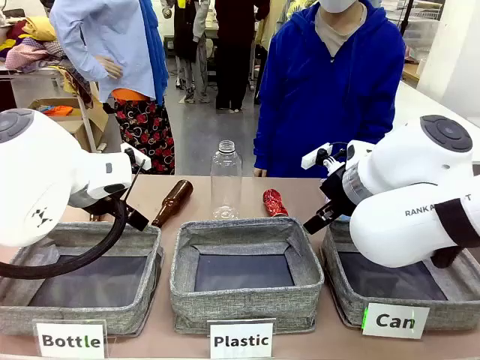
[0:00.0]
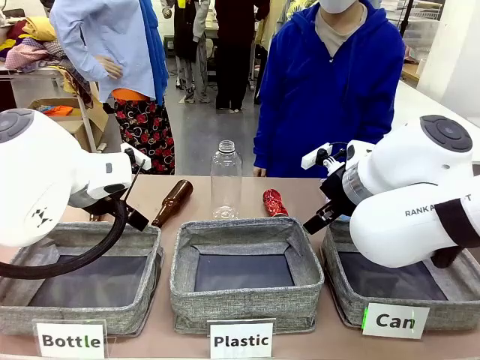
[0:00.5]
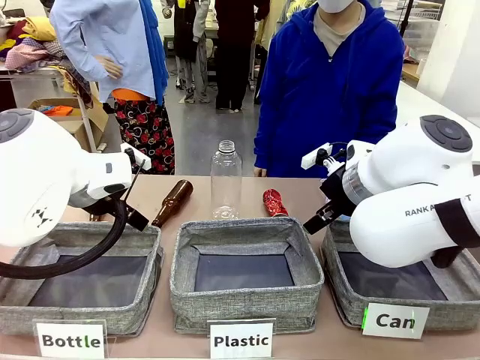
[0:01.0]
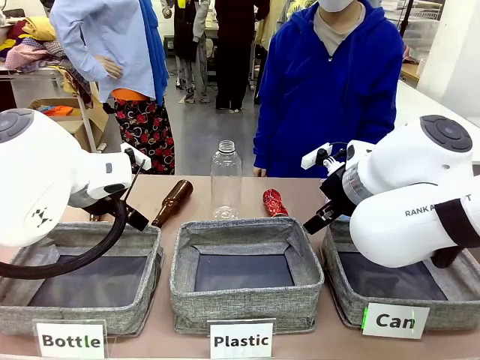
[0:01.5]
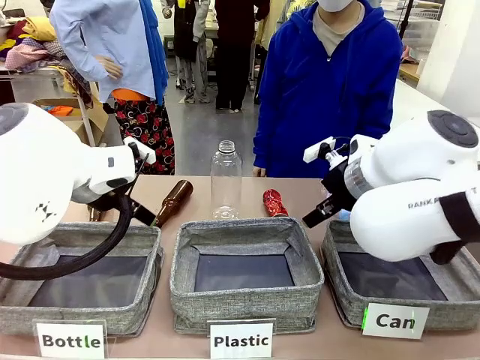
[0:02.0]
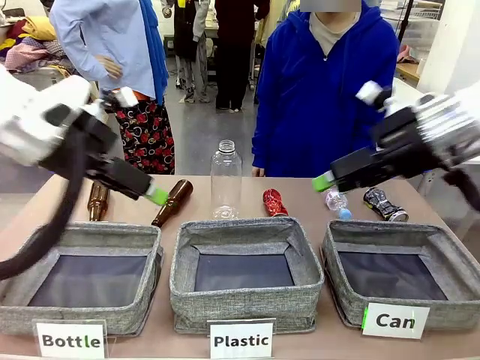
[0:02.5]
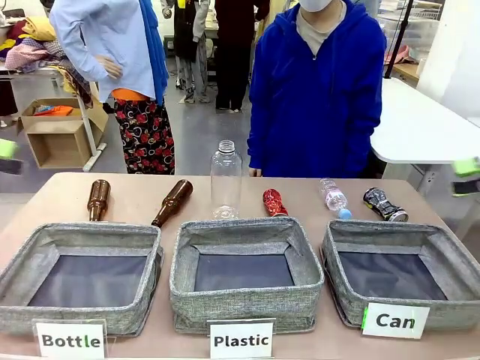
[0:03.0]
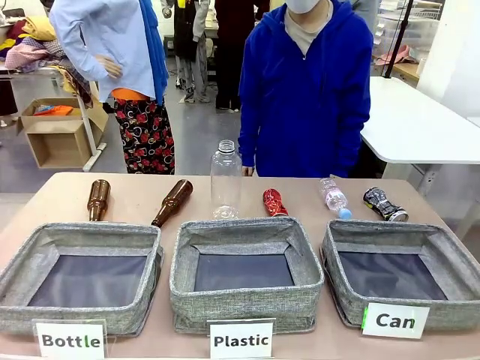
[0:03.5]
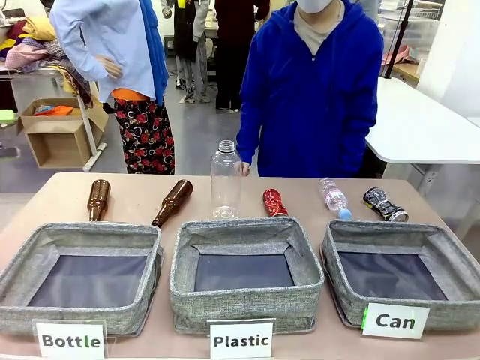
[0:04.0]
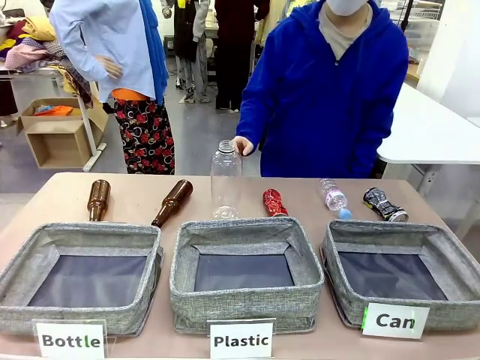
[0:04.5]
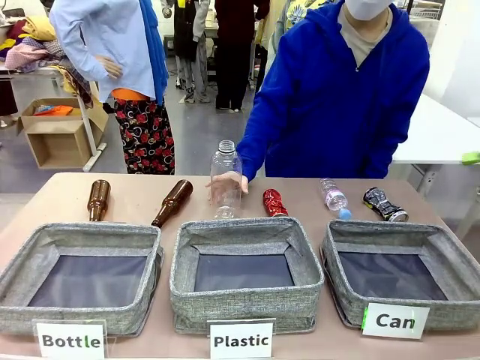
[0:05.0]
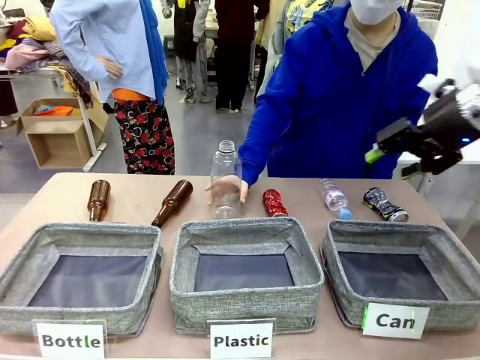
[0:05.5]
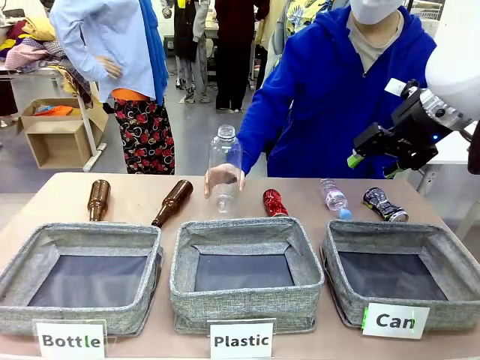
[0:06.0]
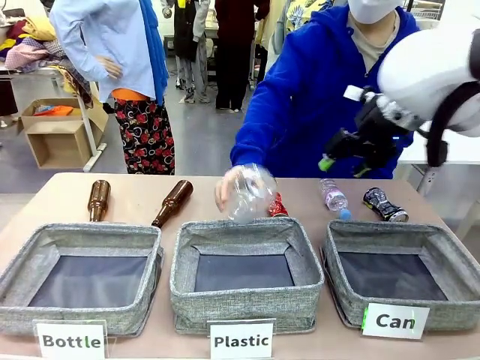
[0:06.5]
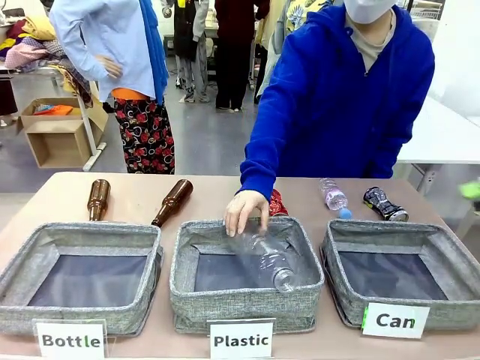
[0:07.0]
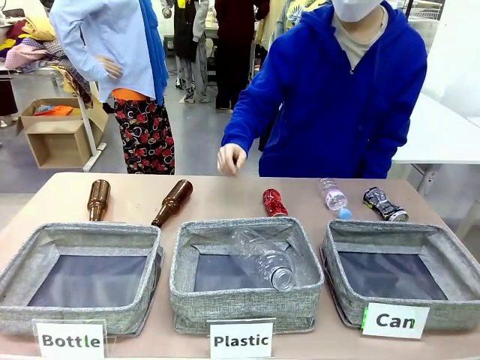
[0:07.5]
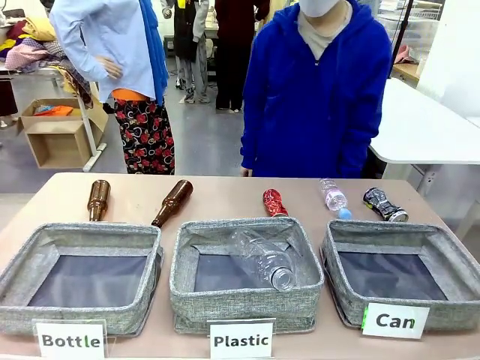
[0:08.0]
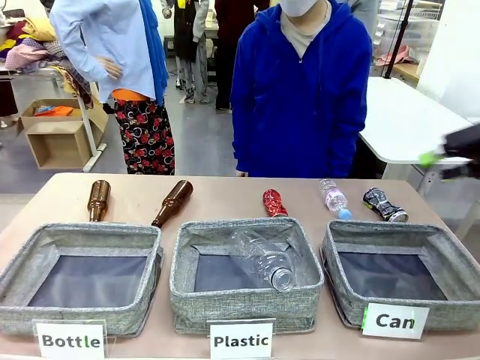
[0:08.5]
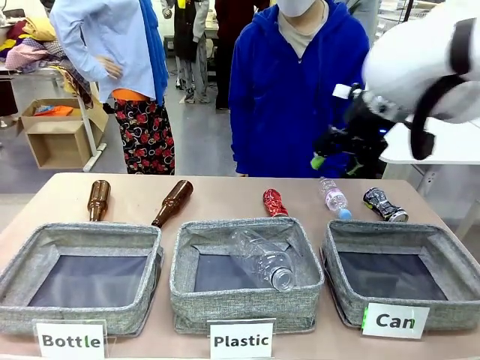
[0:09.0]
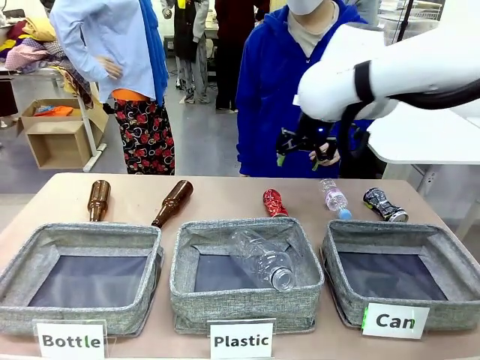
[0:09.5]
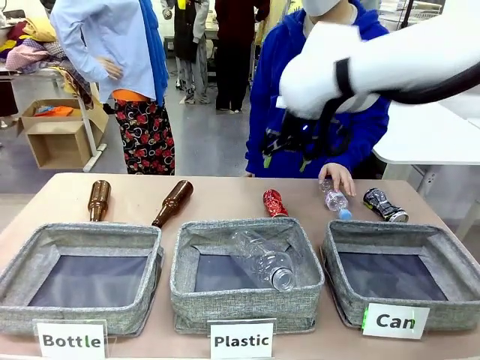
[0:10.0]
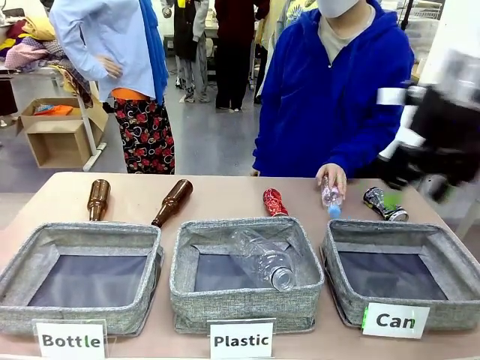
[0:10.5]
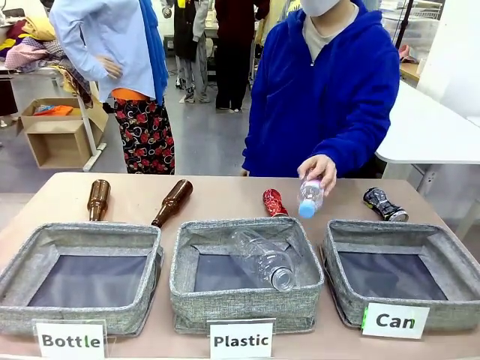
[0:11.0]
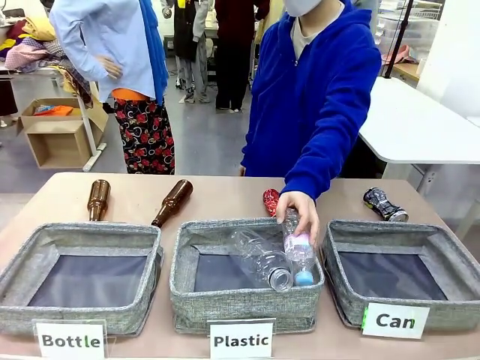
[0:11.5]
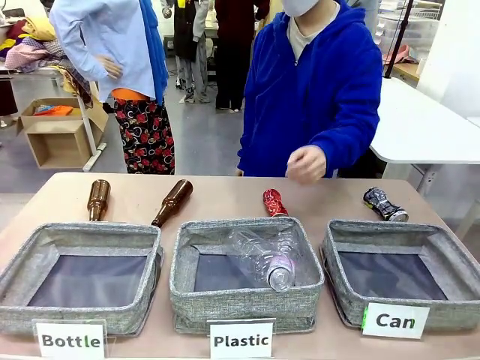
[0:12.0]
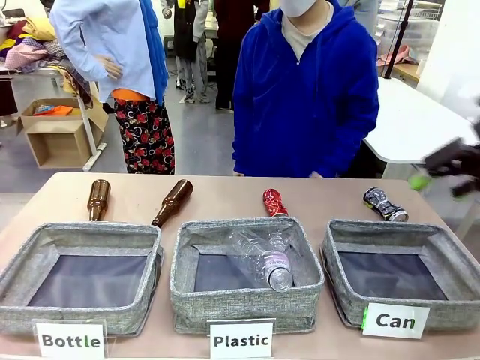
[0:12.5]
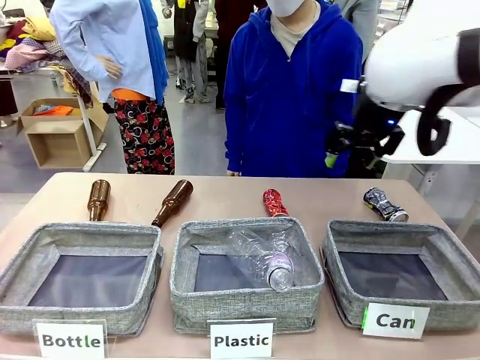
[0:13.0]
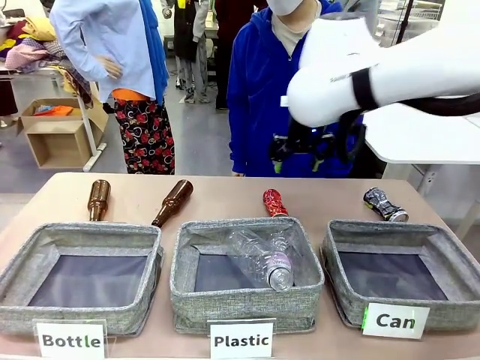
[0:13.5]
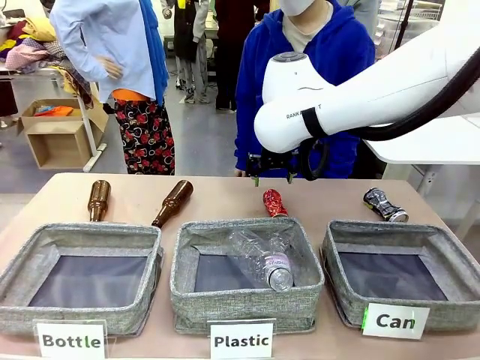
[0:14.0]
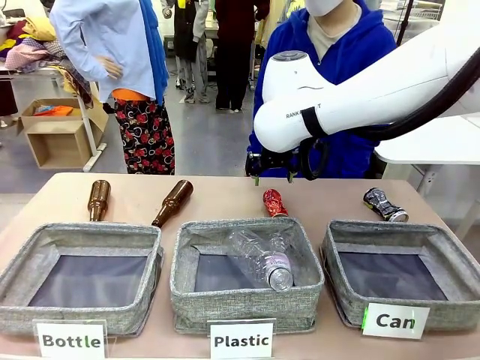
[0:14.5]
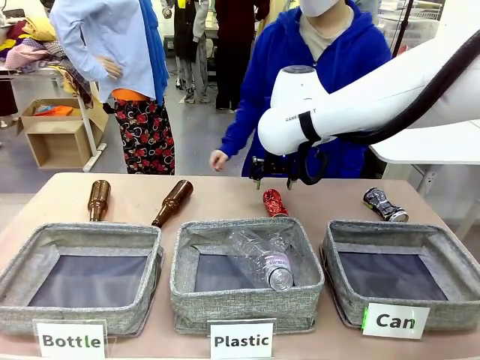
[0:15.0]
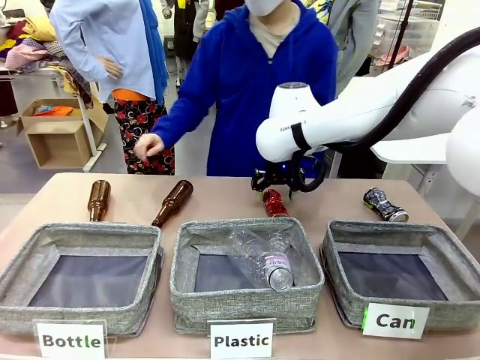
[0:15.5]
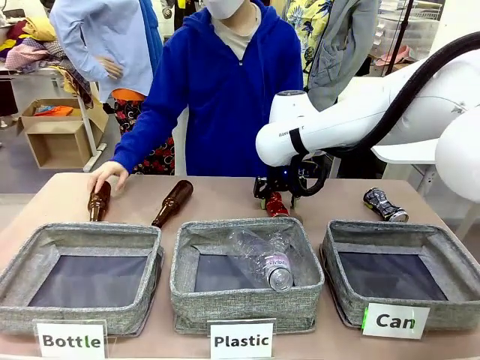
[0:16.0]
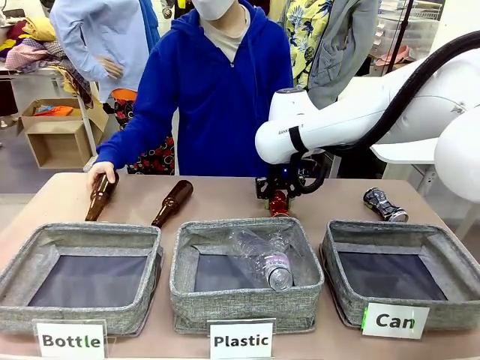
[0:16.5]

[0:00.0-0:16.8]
Task: Sort the can waste into the basket.
Robot: Pick up the can waste from the table and place it in the right Fabric basket.

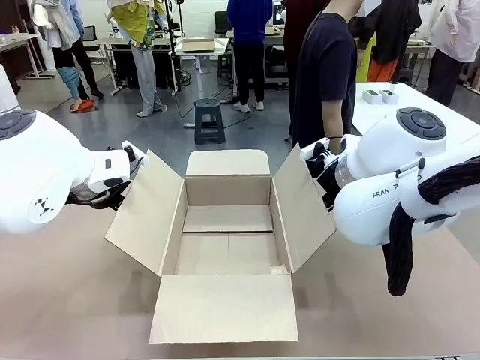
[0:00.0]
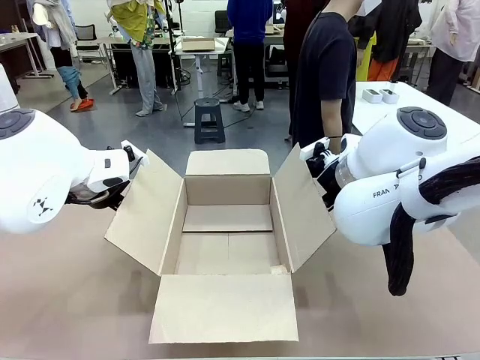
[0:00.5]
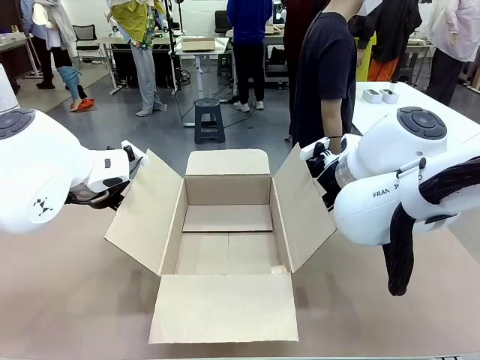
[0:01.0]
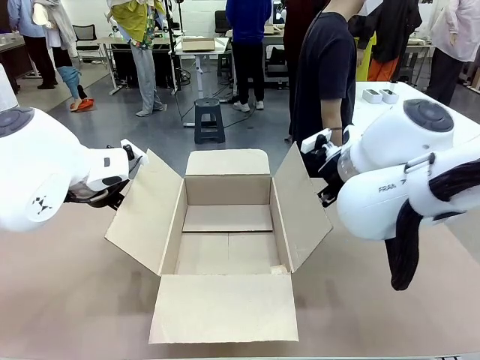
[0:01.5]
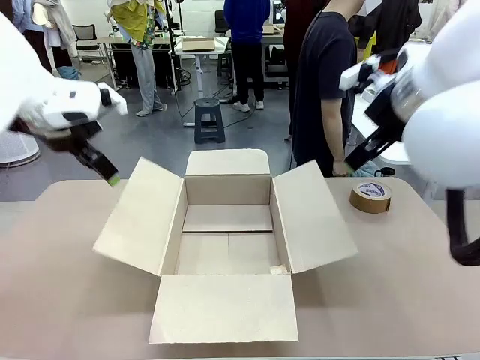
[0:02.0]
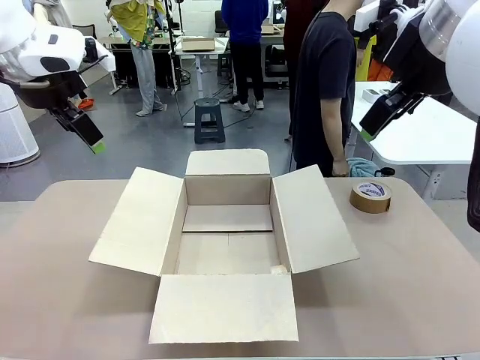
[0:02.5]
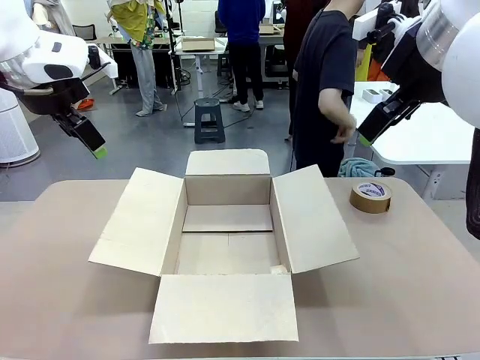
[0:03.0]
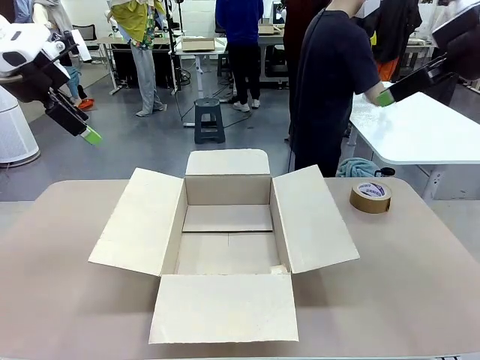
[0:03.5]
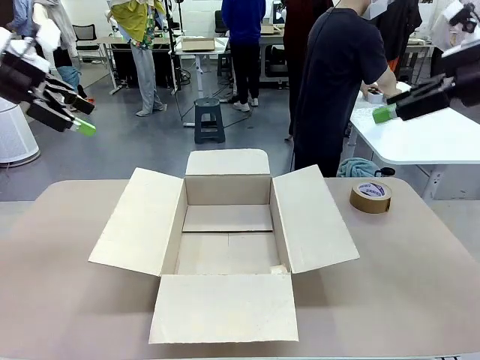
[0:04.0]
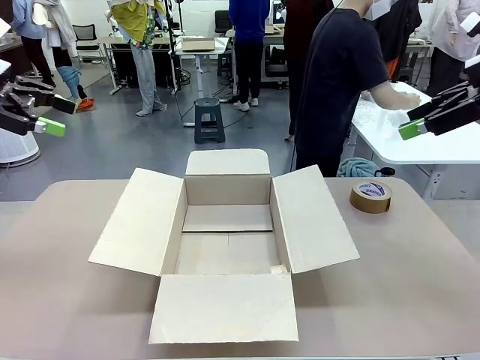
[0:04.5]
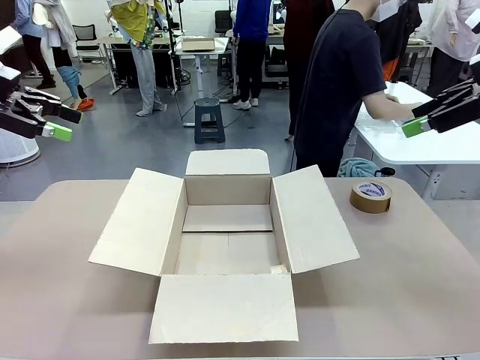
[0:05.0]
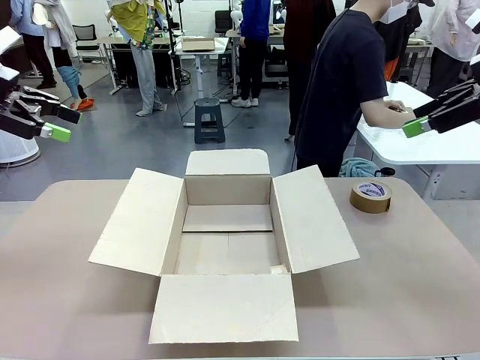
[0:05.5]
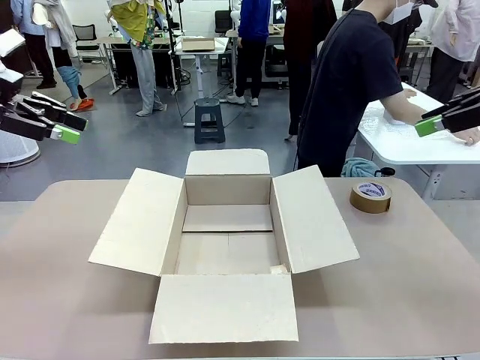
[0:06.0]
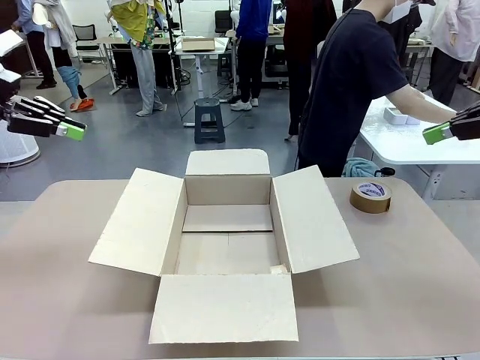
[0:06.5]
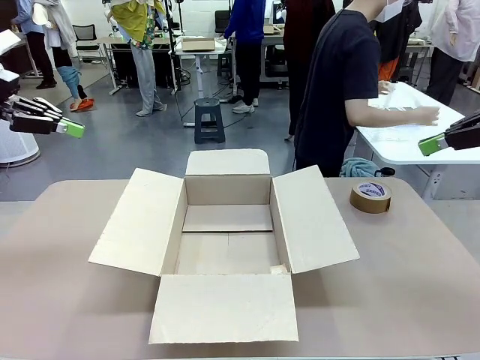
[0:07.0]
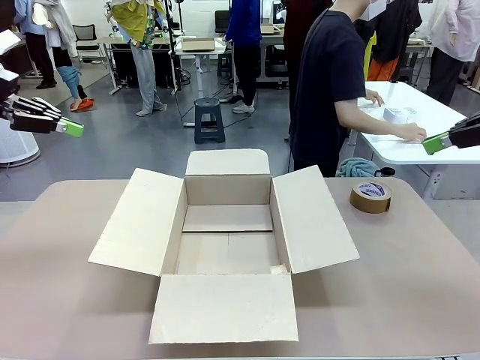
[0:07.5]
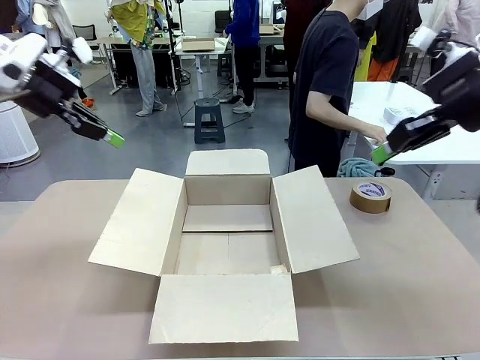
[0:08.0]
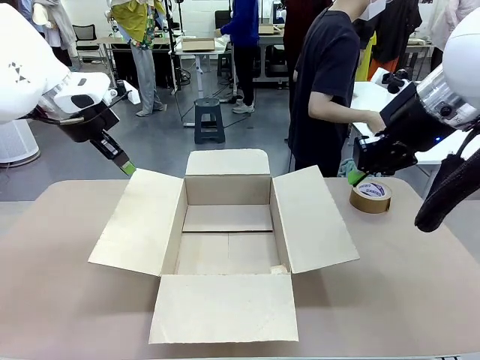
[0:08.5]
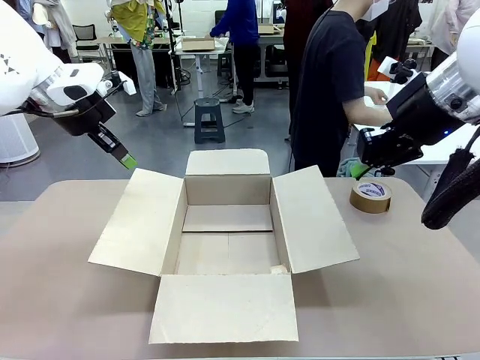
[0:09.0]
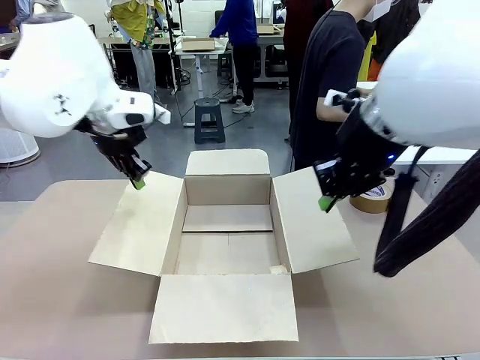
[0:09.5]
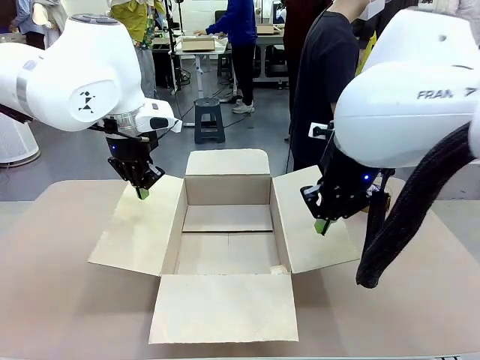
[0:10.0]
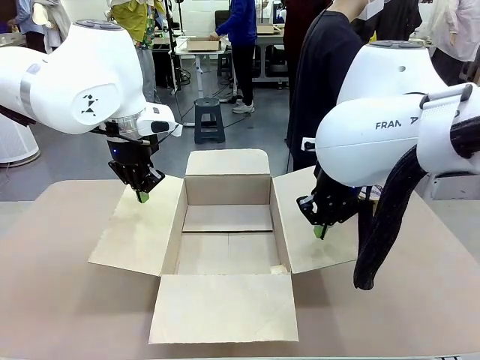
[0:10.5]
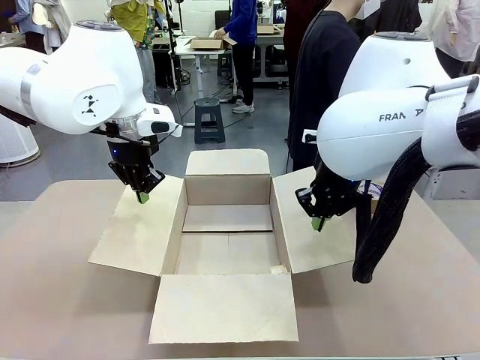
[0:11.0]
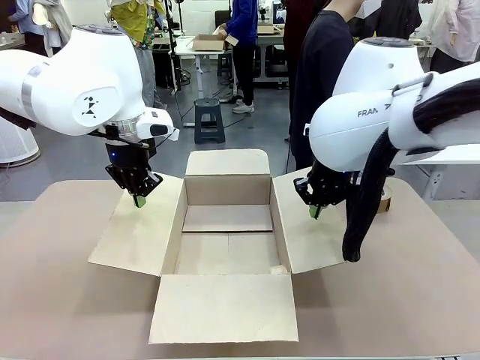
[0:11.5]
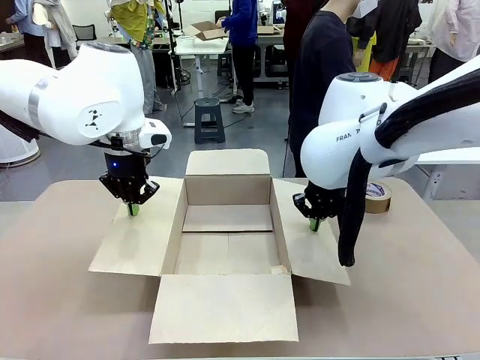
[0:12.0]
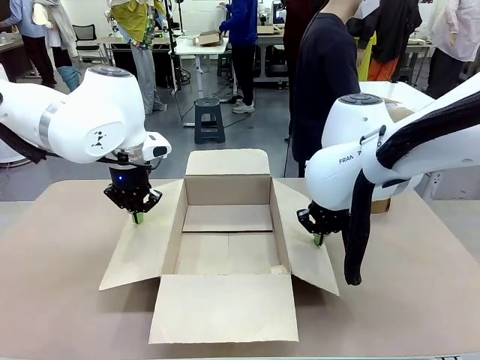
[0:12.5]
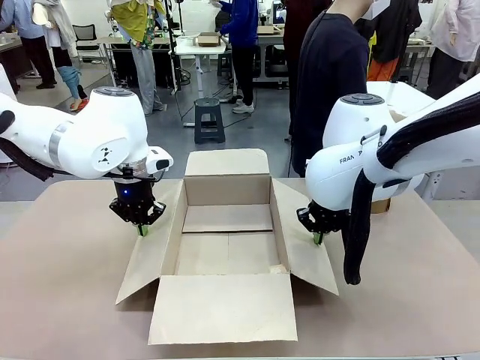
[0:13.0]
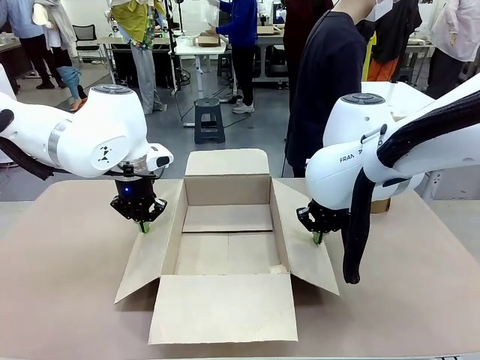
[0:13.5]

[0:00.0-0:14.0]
Task: Wrap the clocks to prevent damage.
Robot: Open the side flaps of the Package Box.
Person: Wrap the two Digital clocks with Bubble Wrap.
